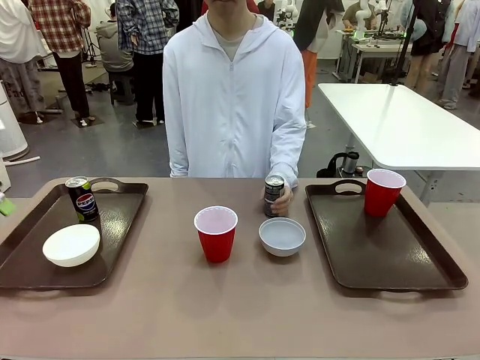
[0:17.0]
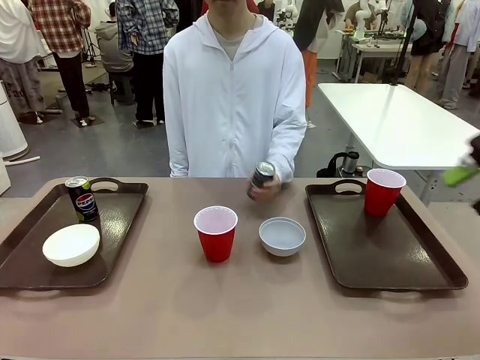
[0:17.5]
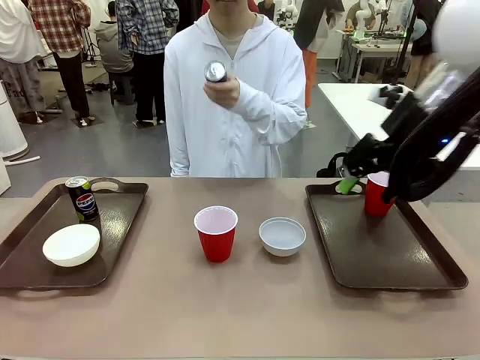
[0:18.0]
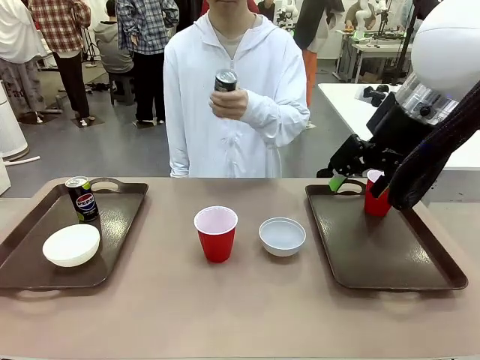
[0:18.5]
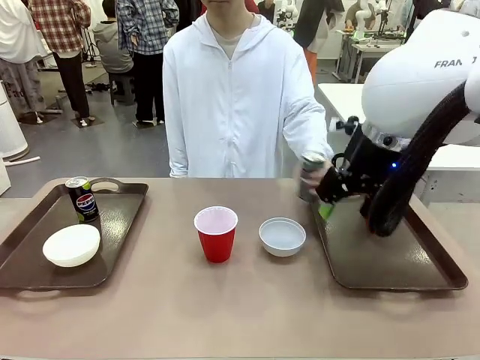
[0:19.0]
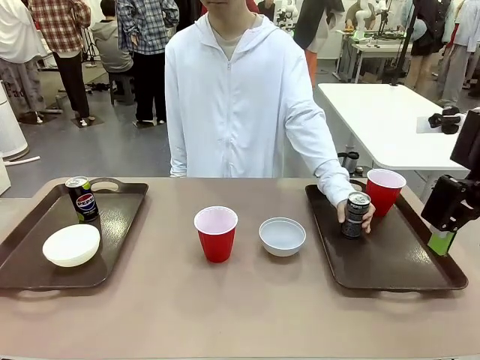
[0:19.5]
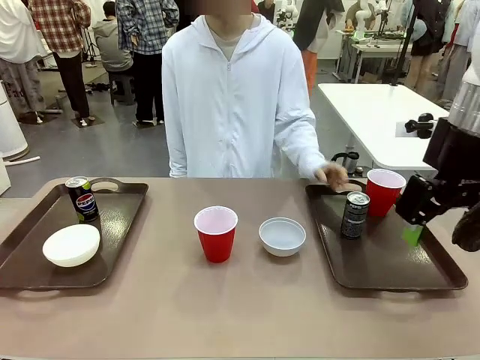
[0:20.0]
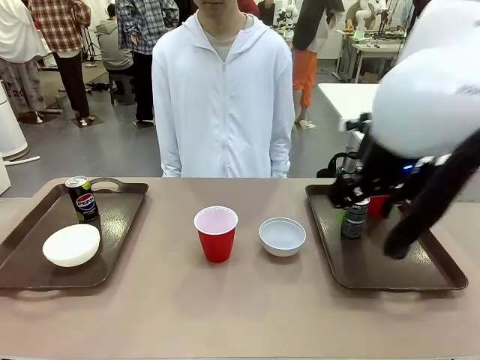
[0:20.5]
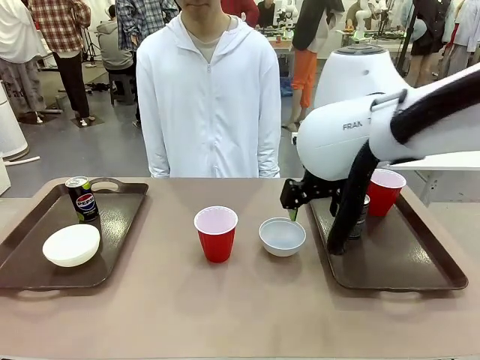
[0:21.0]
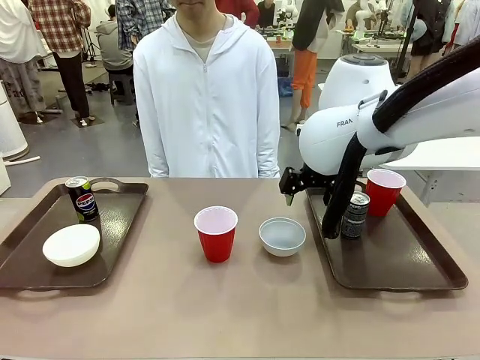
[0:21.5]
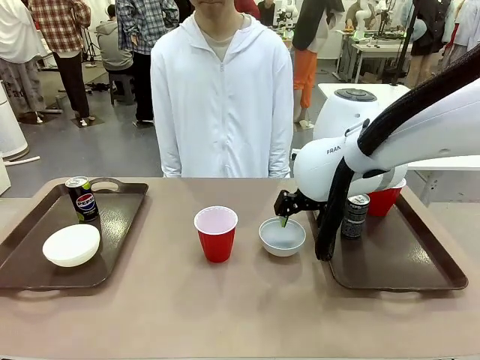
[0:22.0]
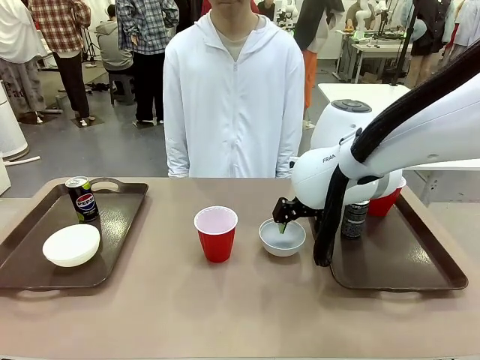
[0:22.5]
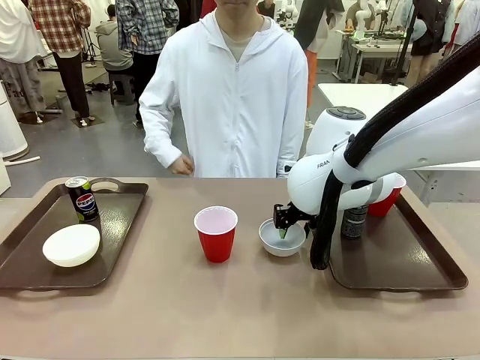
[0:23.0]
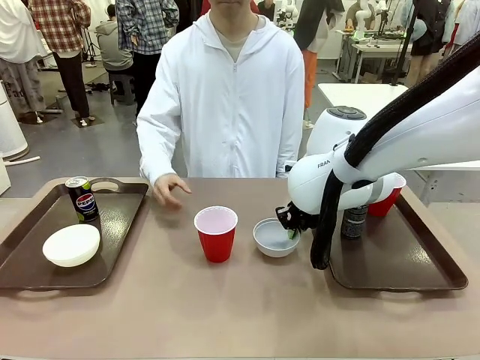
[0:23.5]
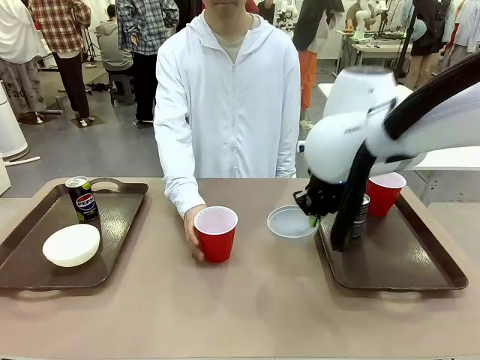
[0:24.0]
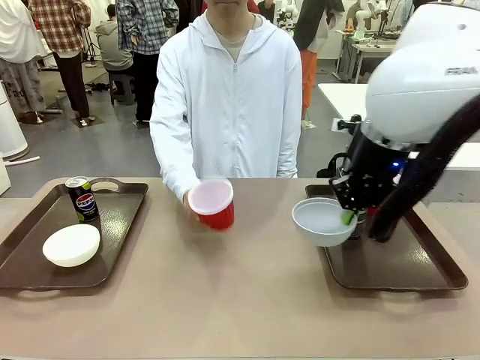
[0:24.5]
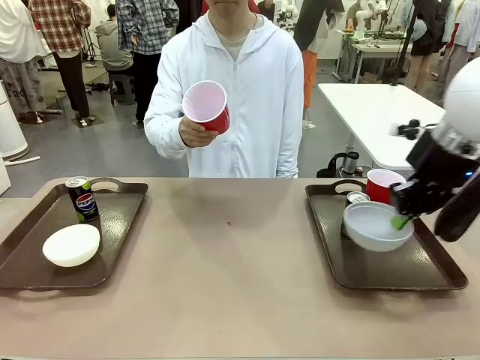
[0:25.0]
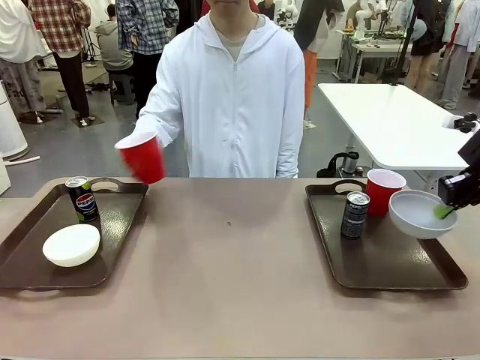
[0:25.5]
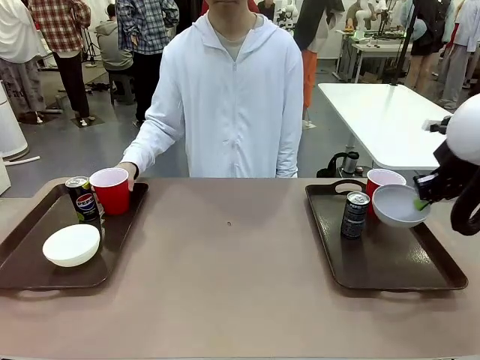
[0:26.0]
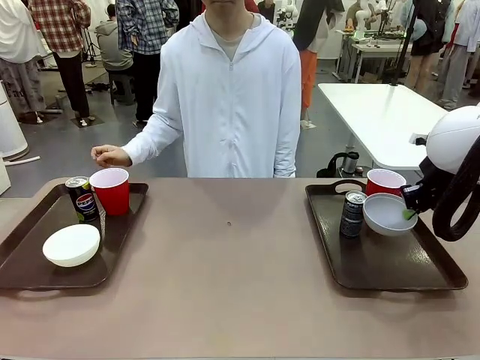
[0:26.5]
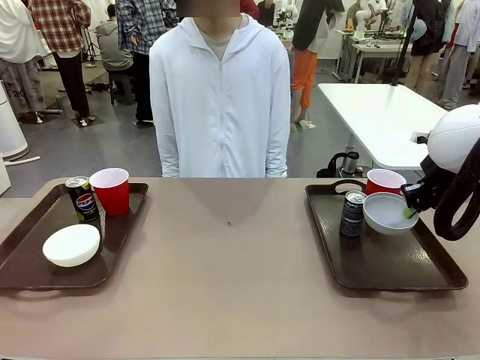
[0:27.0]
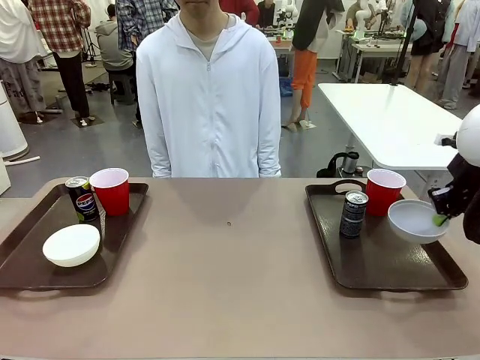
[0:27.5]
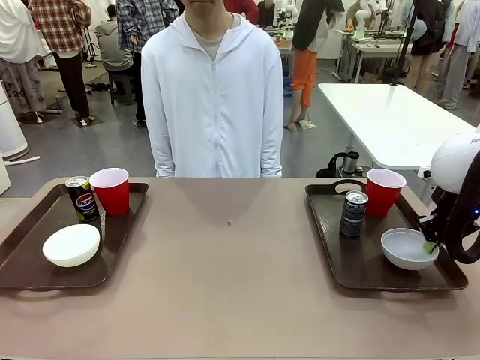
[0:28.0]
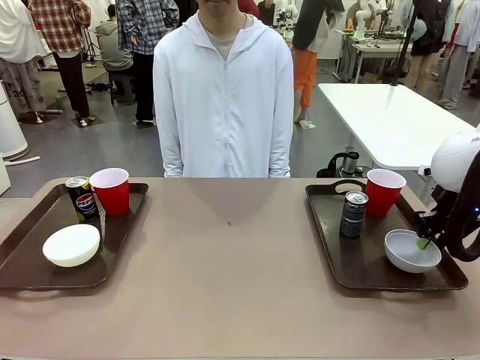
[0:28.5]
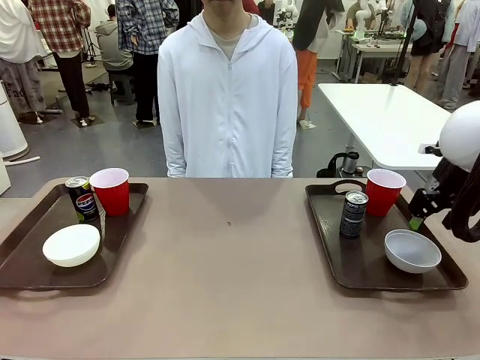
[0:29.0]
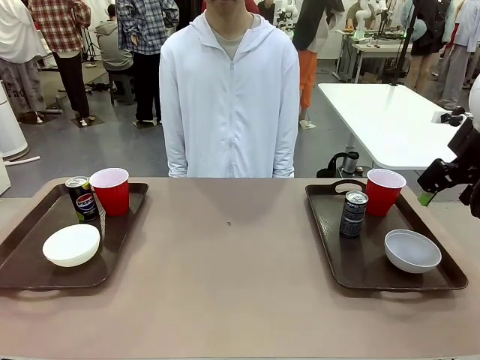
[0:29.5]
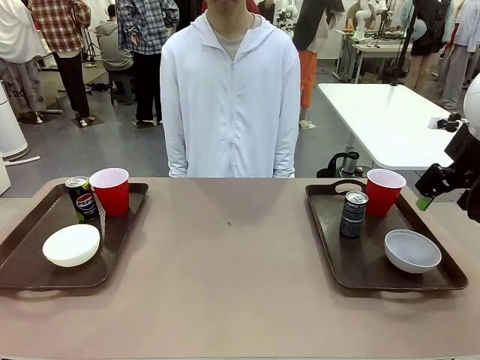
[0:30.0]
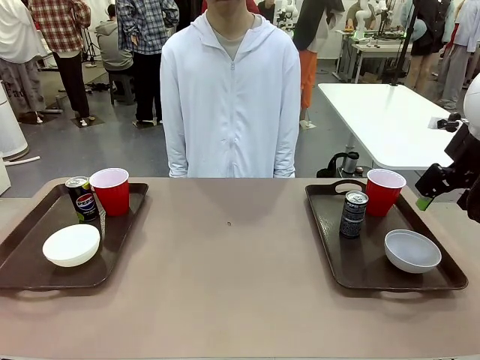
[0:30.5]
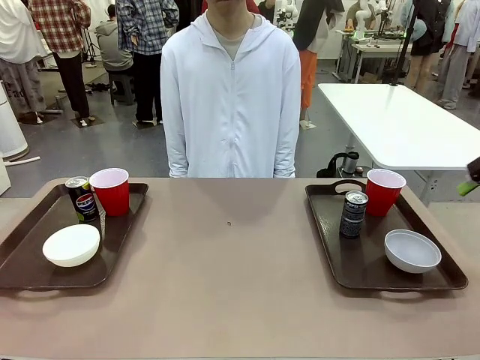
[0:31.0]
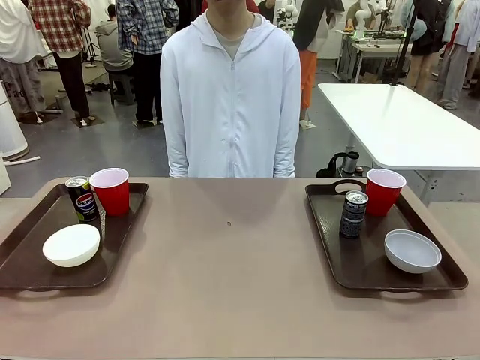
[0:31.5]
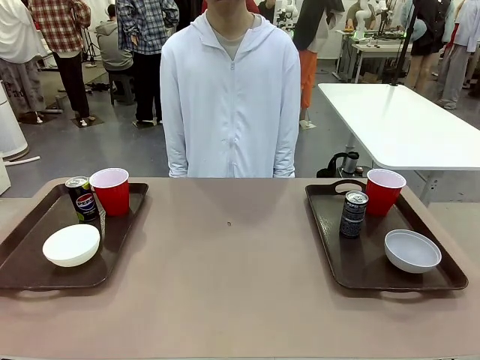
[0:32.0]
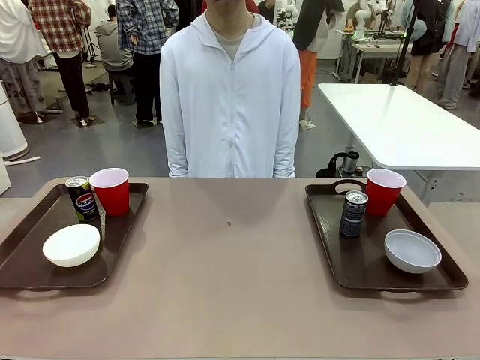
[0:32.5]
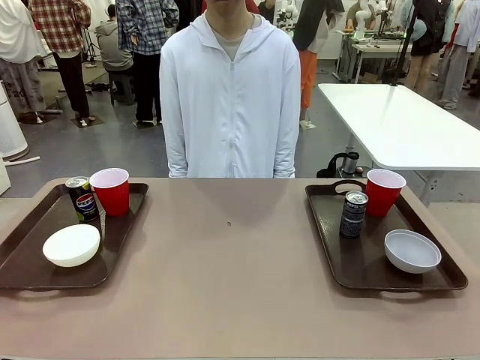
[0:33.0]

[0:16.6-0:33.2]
Task: Prepare tableware on both trays.
Robot: Pick up a Picnic Bowl from the table and place it on a Handle tray.
Person: Pick up a can or cup and place it on the tray without a can or cup.

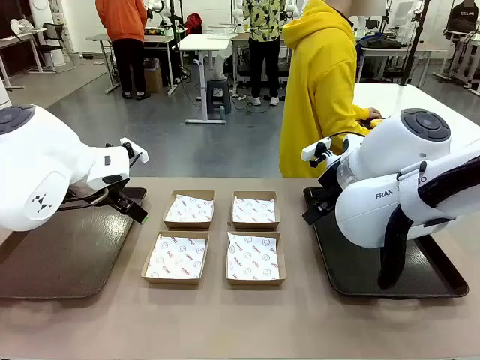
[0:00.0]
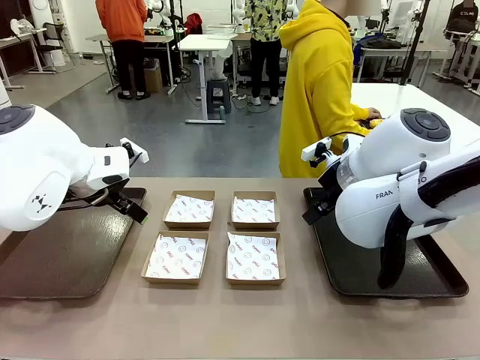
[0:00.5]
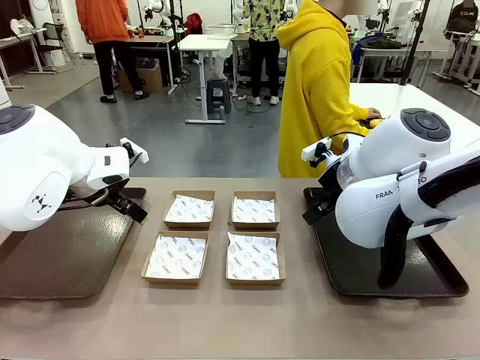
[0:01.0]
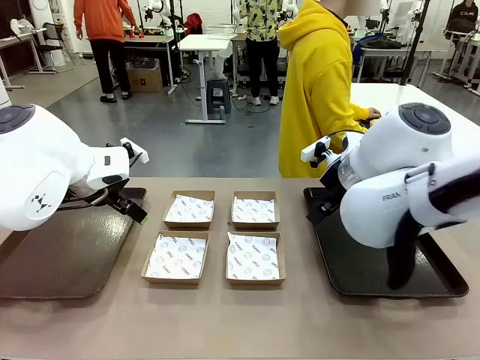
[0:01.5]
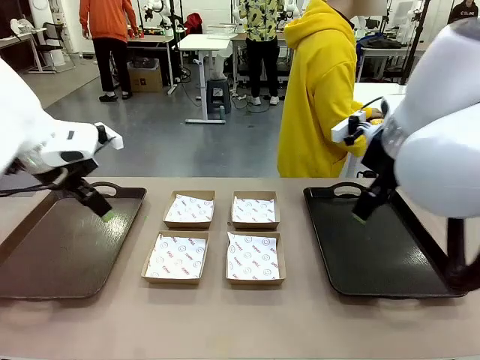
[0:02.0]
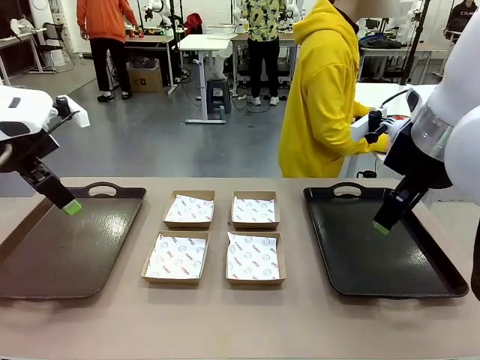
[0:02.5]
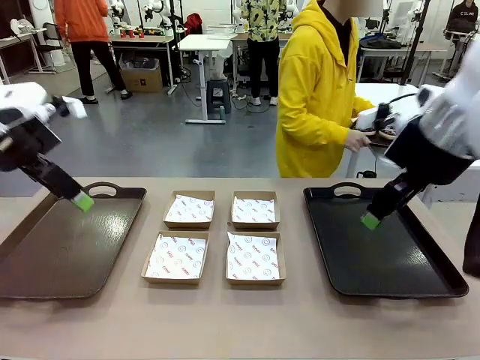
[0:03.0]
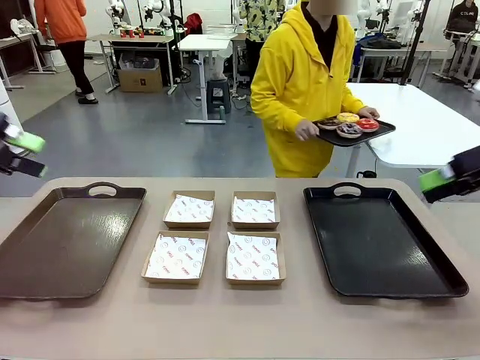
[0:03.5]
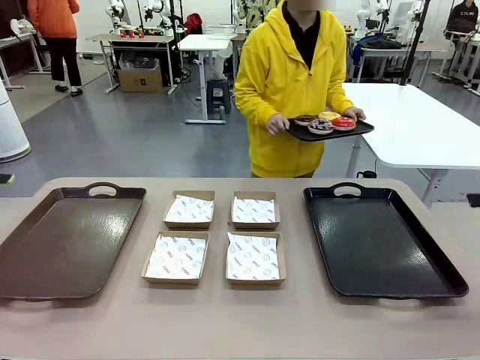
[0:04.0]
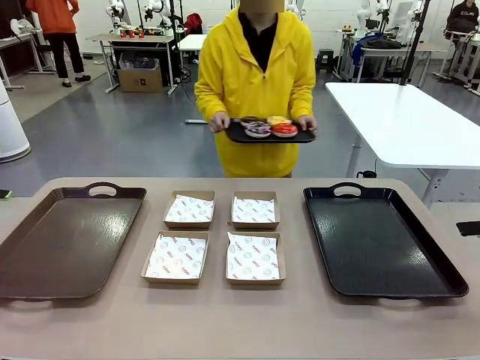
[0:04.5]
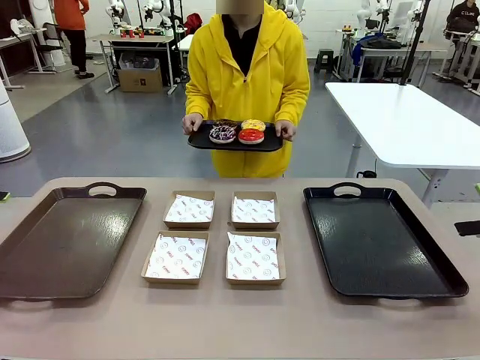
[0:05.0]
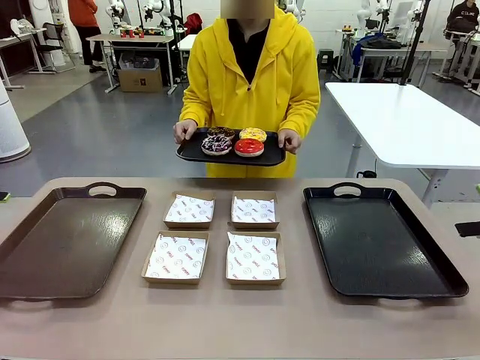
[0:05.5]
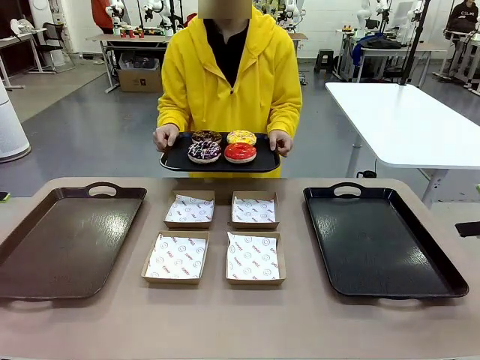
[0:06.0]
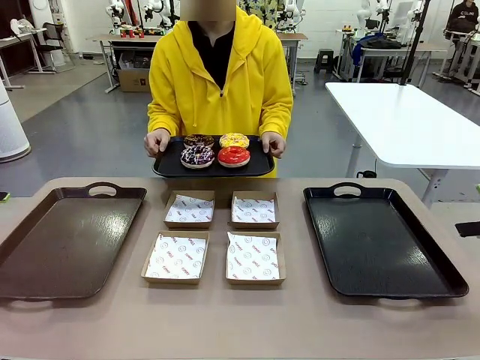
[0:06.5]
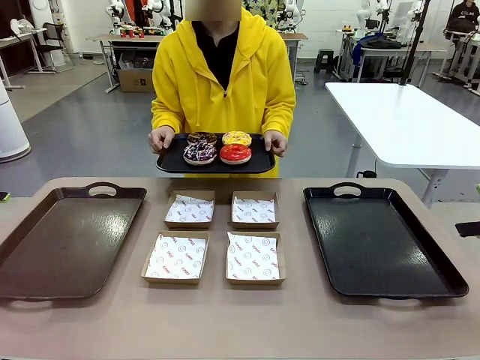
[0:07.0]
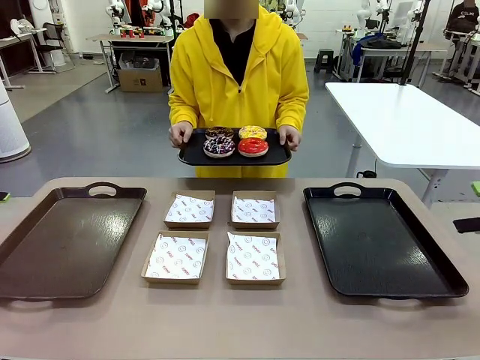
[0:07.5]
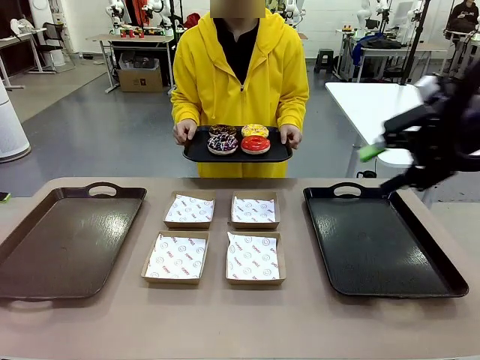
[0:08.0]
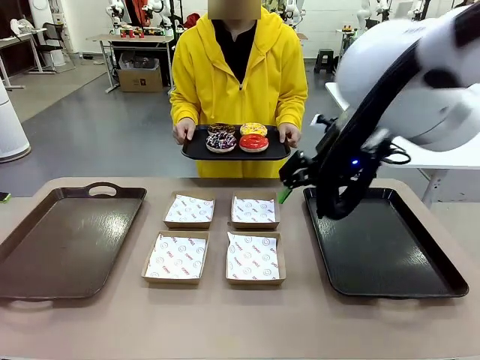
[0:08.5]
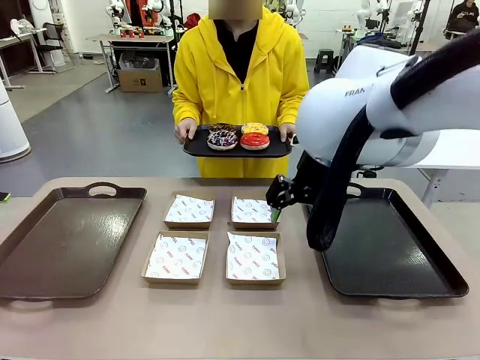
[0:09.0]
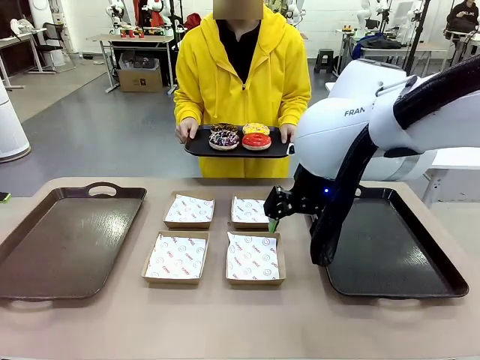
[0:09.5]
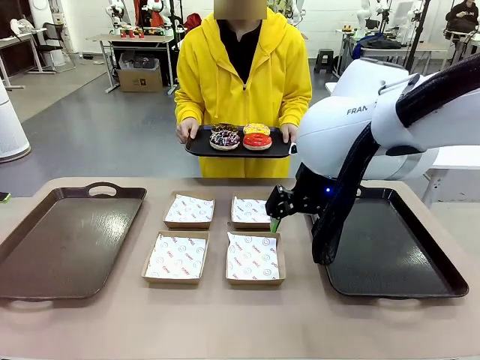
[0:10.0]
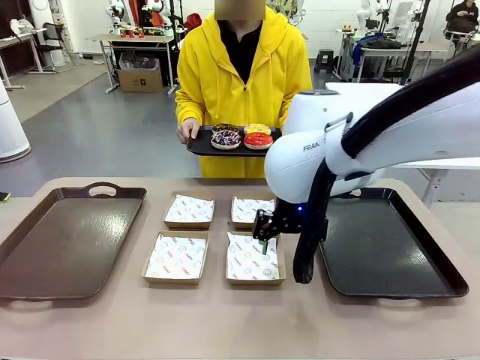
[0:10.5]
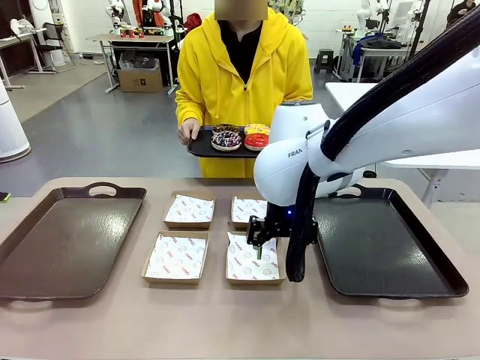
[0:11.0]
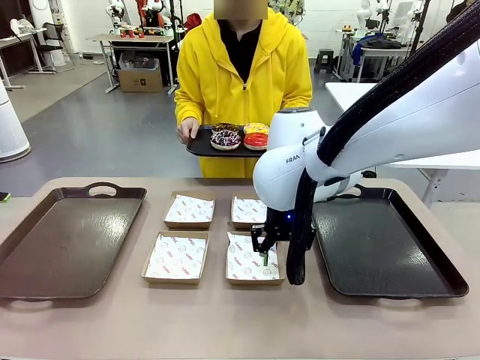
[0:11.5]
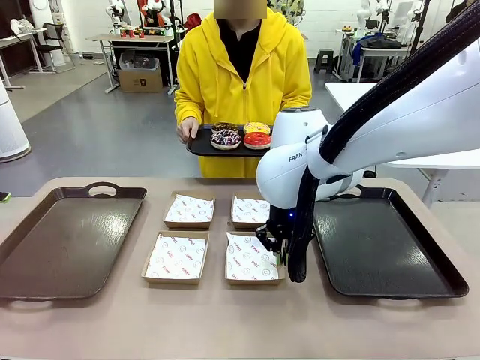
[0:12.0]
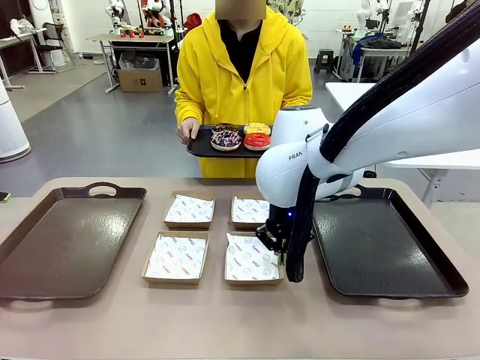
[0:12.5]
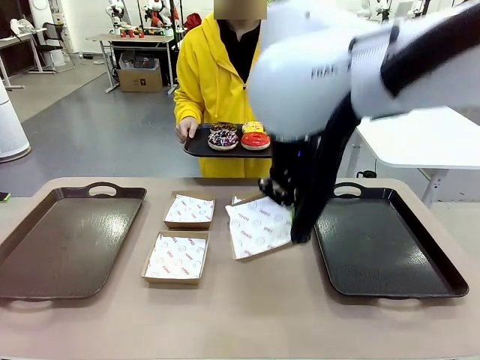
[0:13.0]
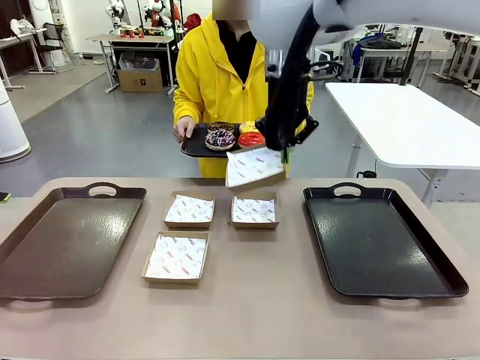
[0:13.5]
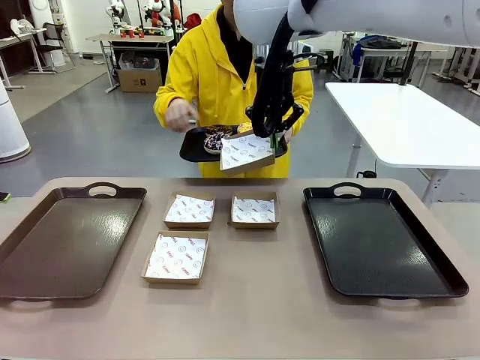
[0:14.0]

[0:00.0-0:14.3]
Task: Individually package the donuts and arrange them on the tray.
Robot: Pick up one Paper togo box.
Person: Stand in front of the robot table holding the tray containing the donuts.
